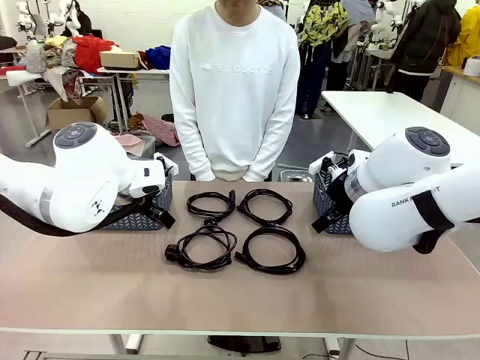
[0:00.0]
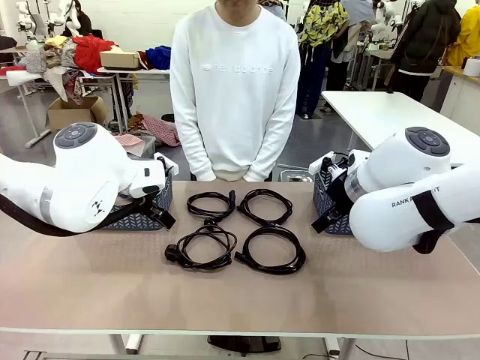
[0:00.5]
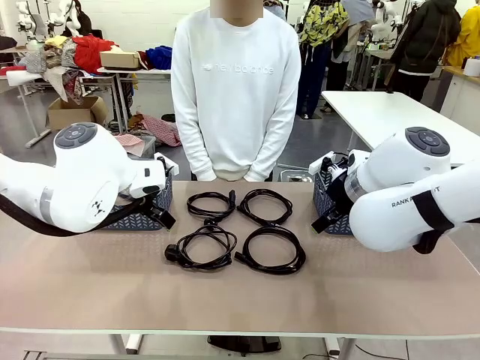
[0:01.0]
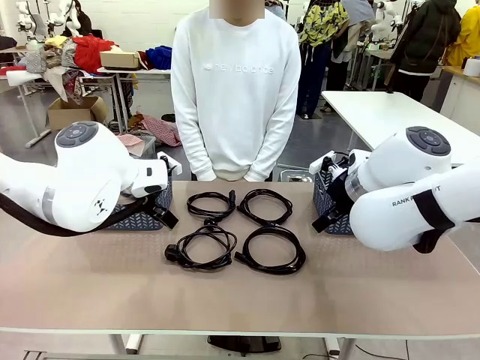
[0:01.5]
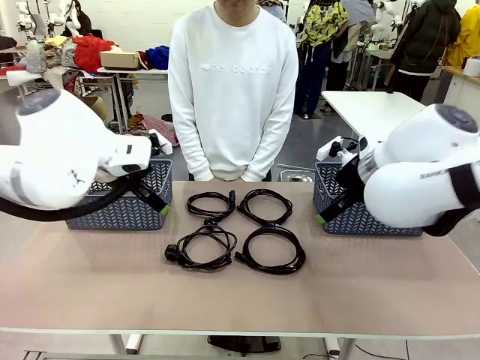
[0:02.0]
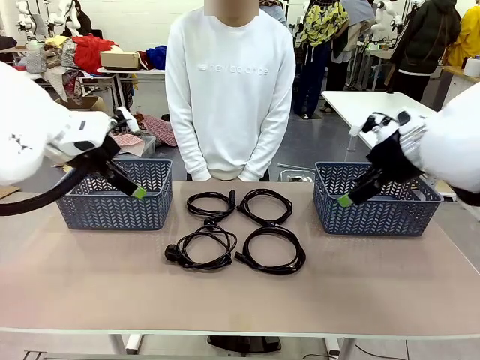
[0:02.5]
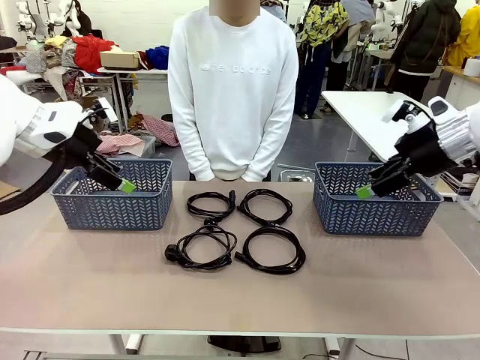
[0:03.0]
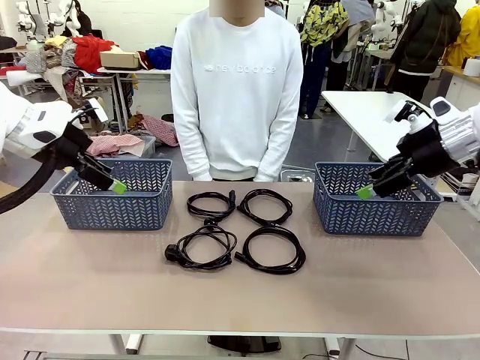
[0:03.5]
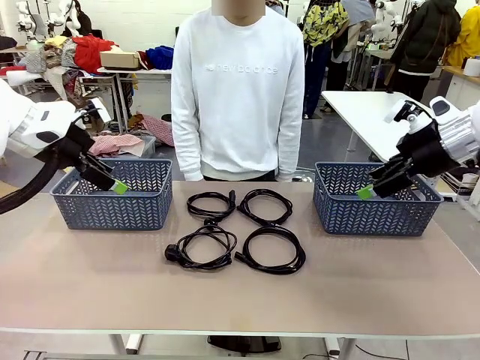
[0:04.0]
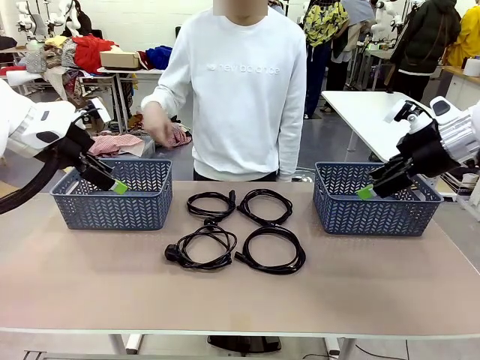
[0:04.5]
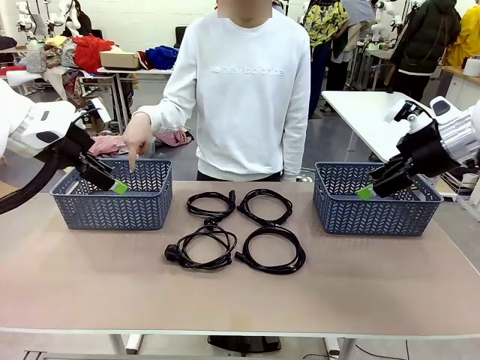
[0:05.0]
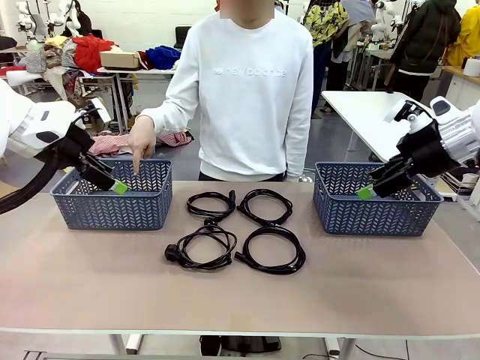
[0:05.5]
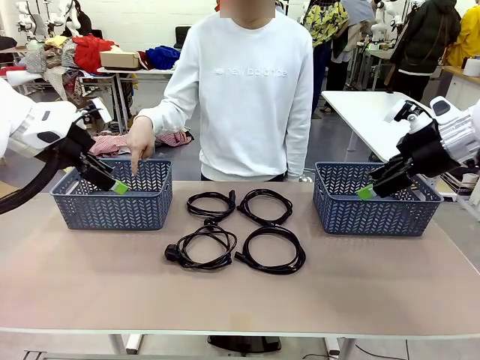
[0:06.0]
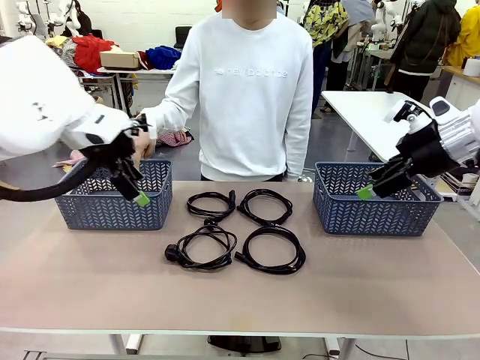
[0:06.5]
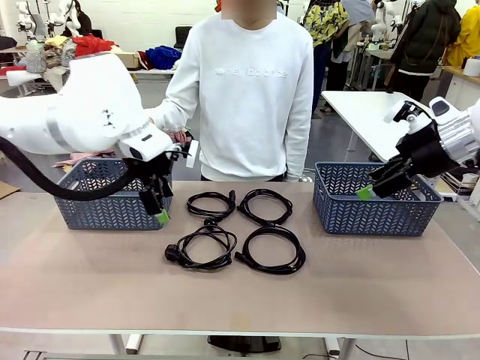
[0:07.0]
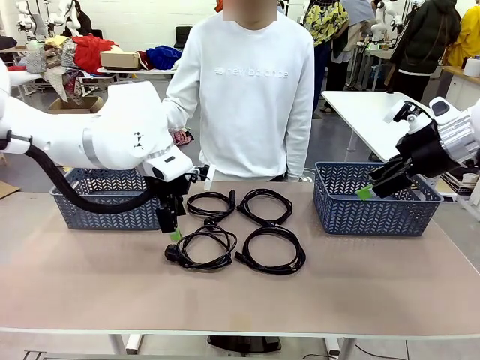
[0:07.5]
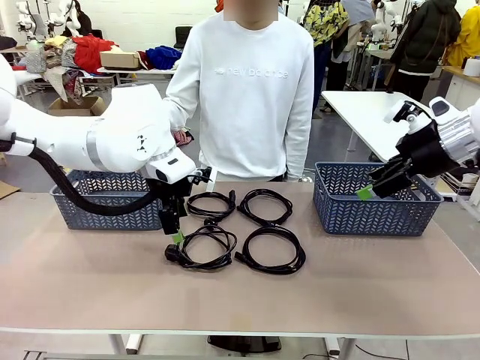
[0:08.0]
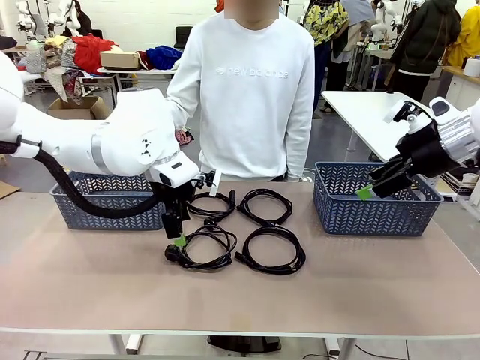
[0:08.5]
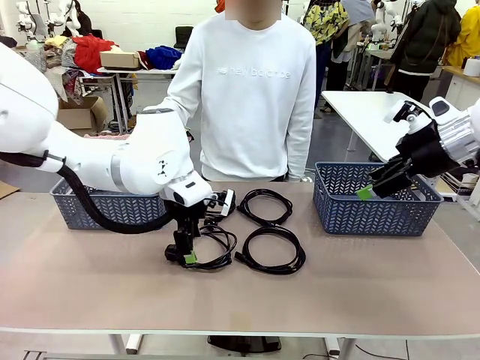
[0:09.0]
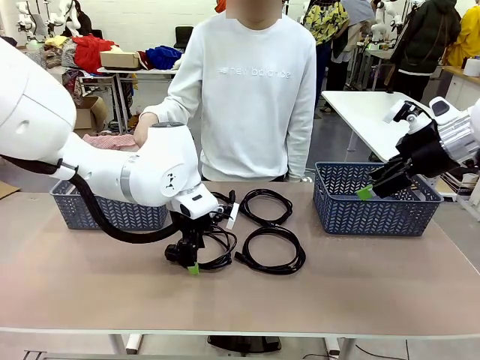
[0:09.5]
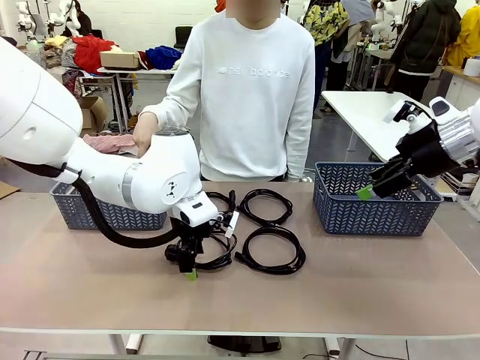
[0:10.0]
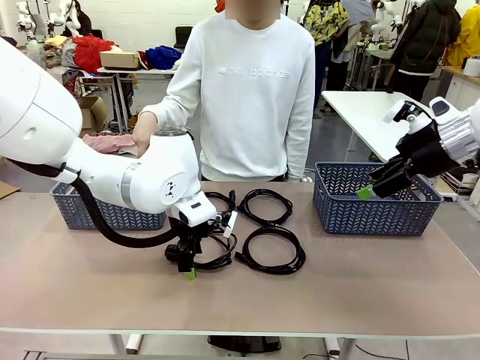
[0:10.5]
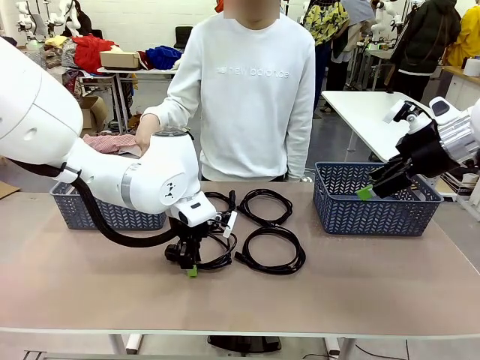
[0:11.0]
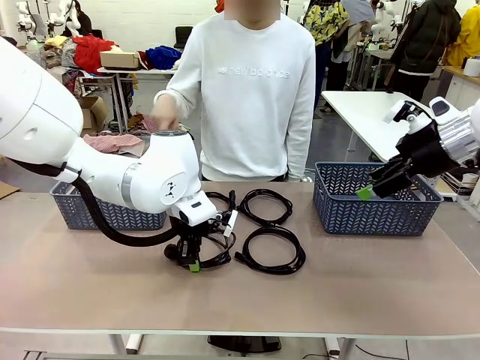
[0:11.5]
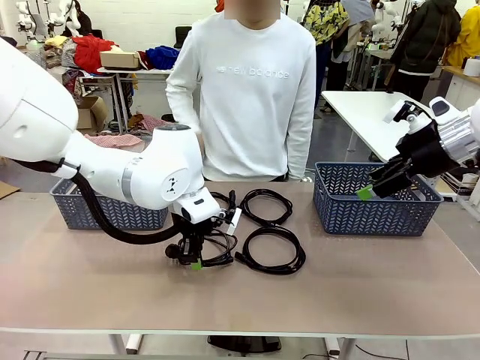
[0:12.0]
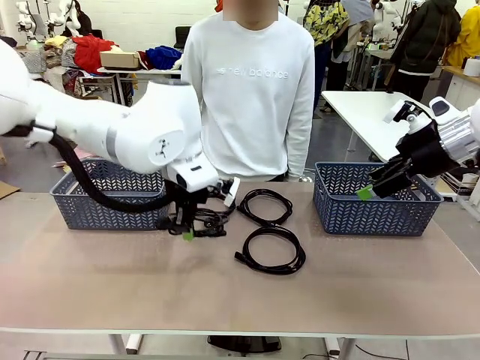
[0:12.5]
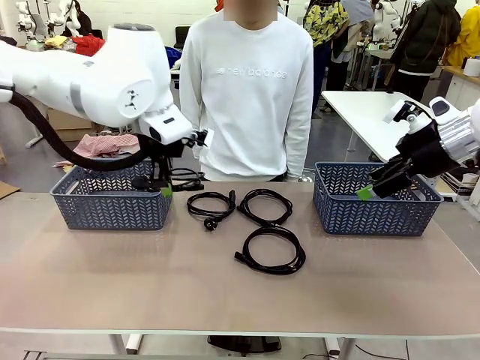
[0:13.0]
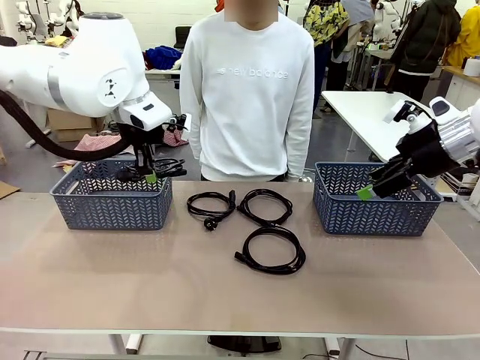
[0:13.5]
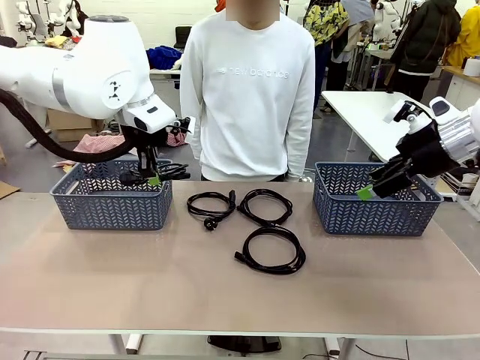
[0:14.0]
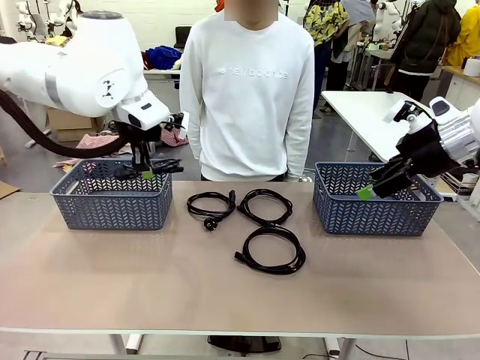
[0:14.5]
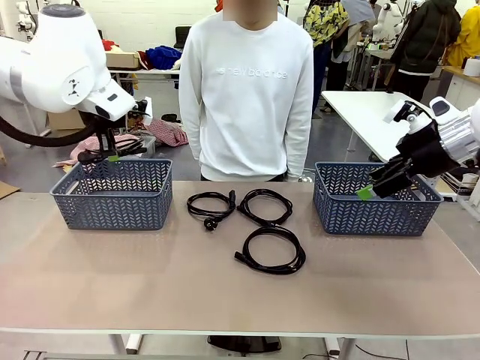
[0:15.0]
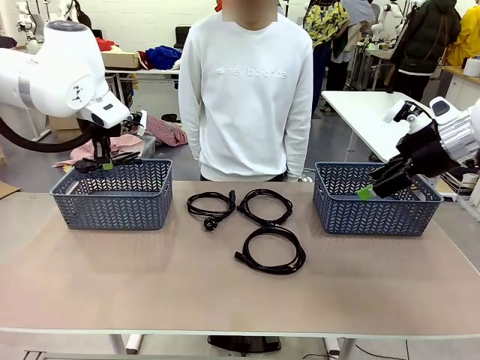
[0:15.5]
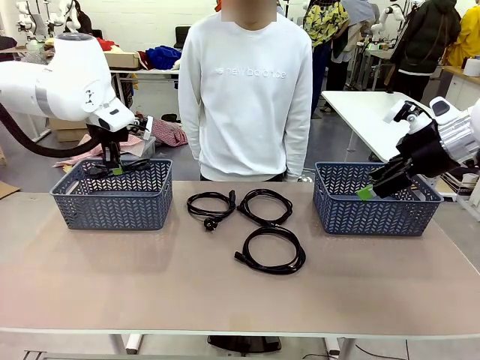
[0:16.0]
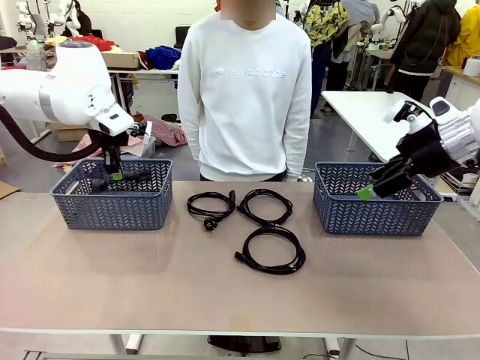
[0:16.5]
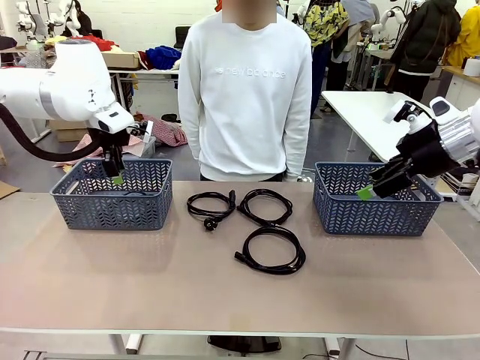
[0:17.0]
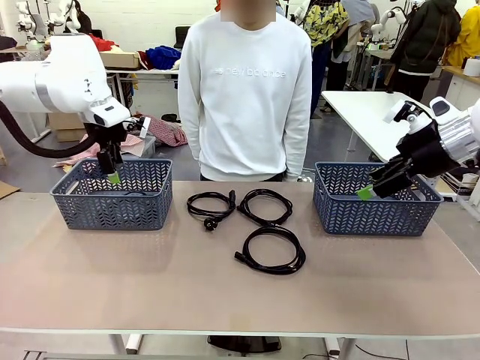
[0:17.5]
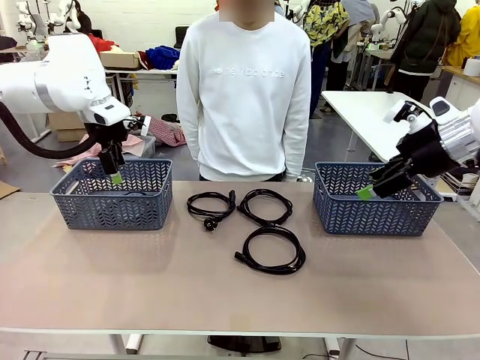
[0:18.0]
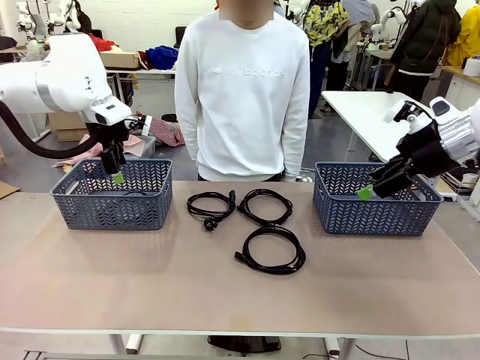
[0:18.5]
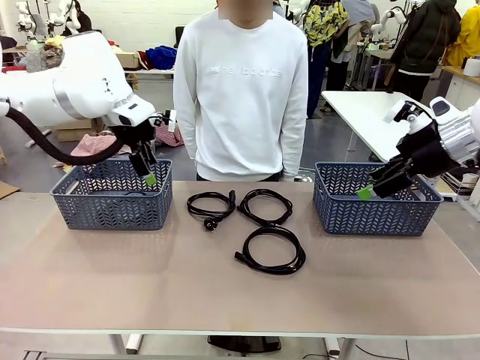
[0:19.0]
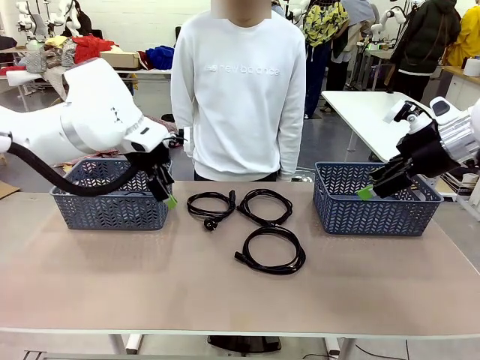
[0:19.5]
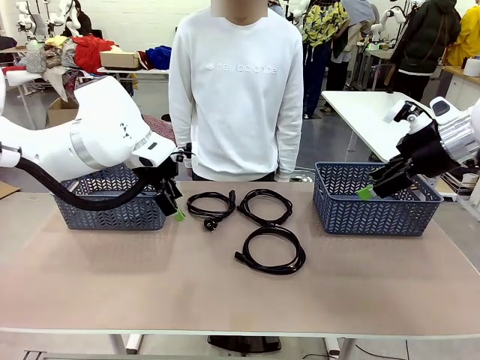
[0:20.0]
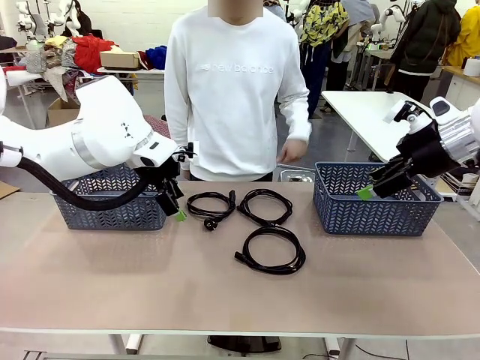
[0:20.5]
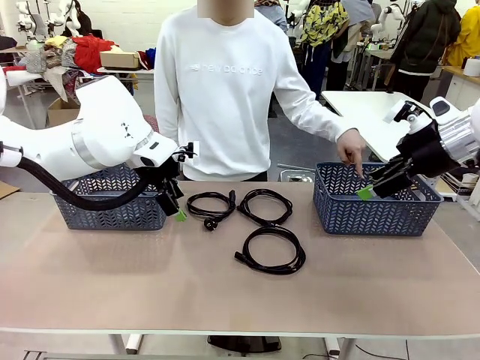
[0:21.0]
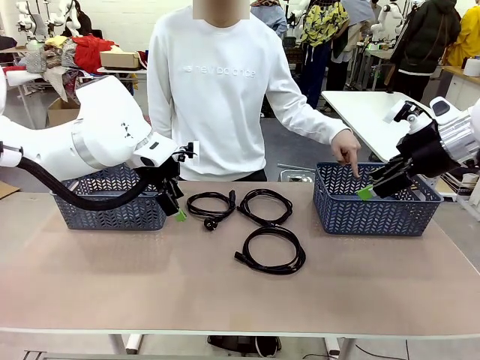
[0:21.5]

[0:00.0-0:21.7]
Task: Organize the cables according to human instructions.
Robot: Pick up a bundle of cables and place it in the basket indicated by the human.

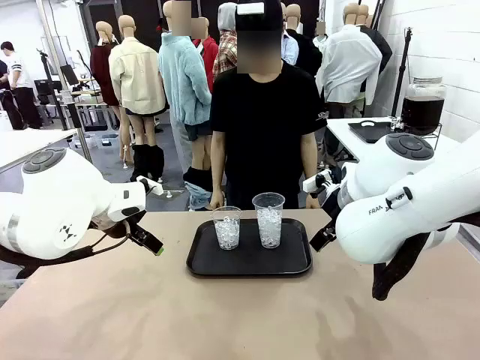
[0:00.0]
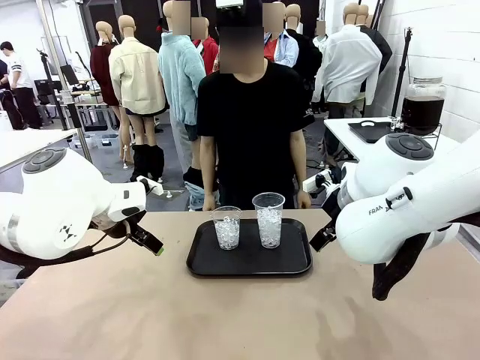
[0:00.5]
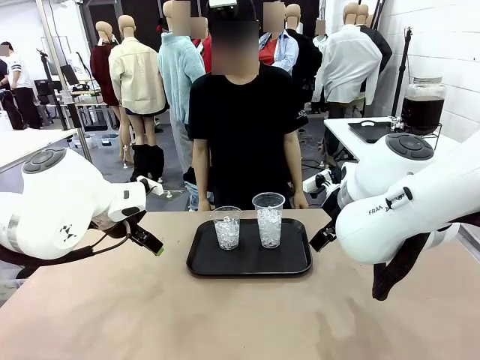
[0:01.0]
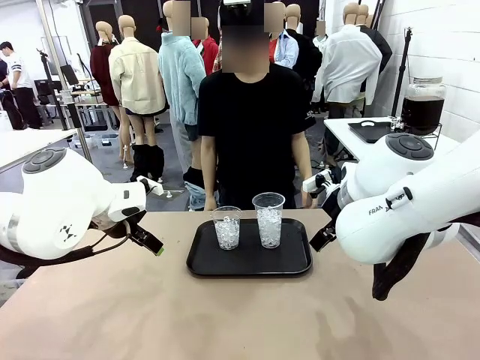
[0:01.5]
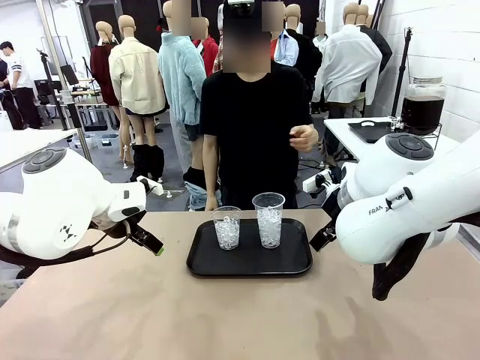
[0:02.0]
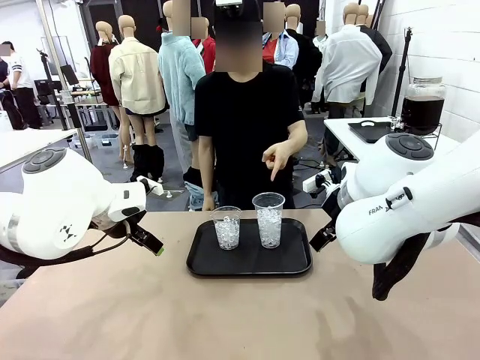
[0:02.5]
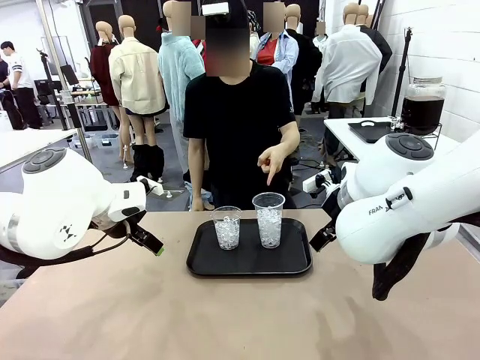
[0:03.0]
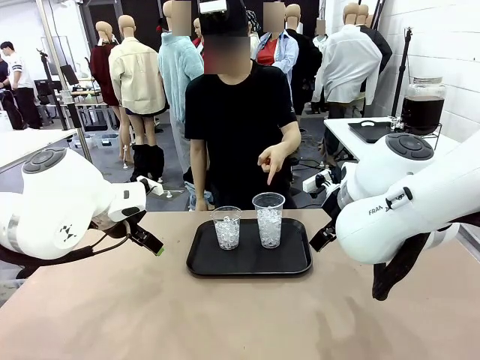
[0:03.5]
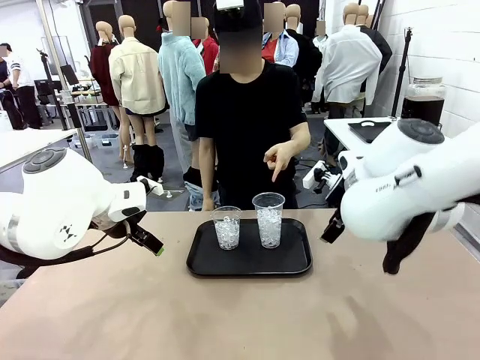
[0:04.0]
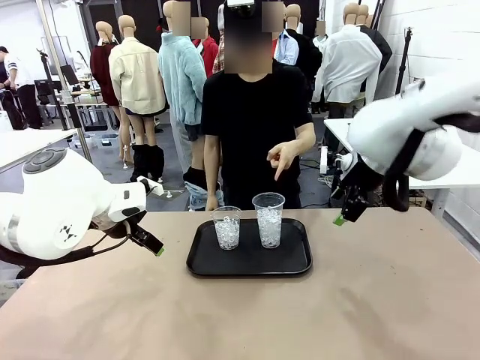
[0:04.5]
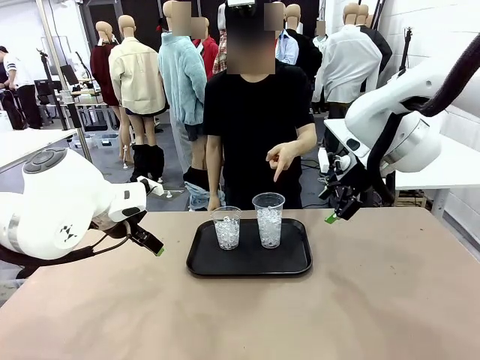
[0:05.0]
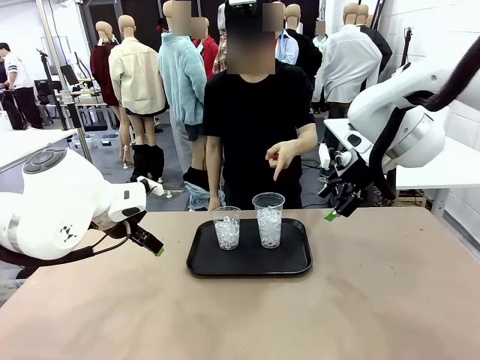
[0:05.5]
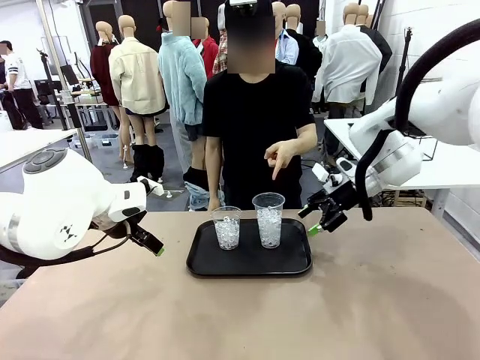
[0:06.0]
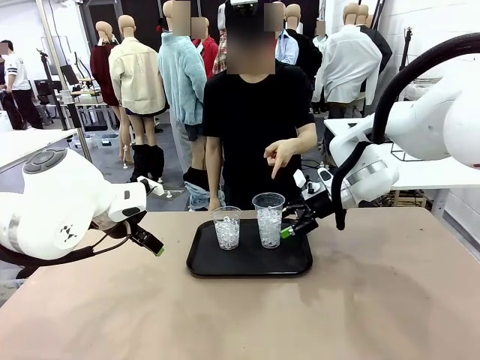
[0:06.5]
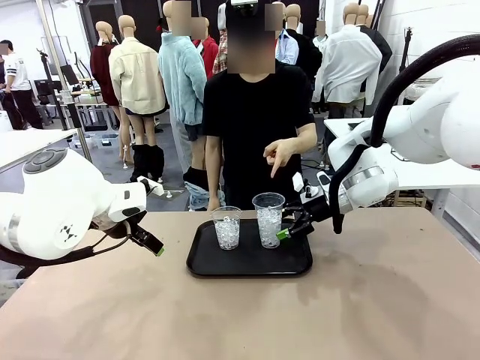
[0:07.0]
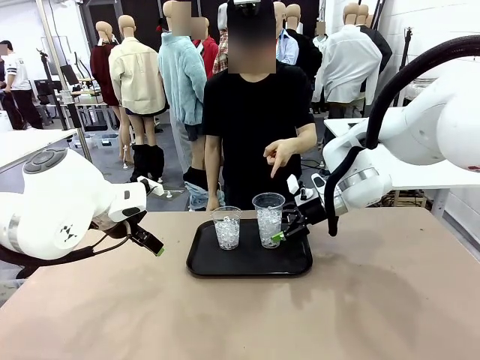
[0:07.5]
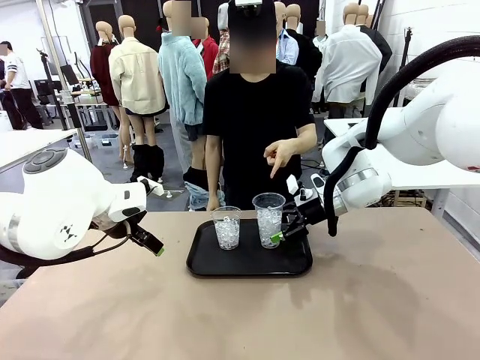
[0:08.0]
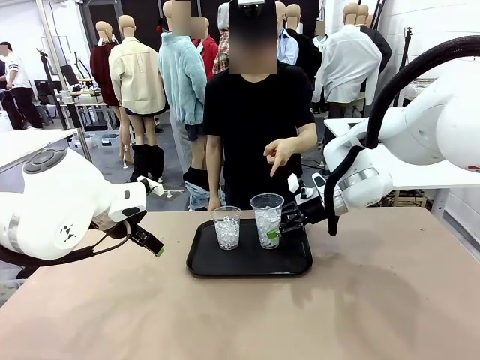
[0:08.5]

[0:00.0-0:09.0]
Task: Pour the drink into the iced cup.
Robot: Pick up the iced cup indicated by the human and present it to them.
Person: Point to one of the two ice cups. Pick up the cup offered by the robot.
